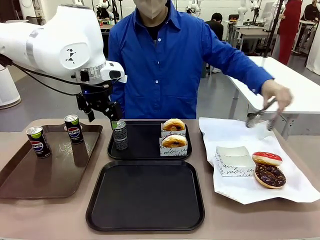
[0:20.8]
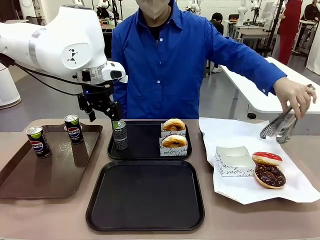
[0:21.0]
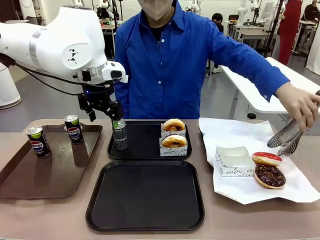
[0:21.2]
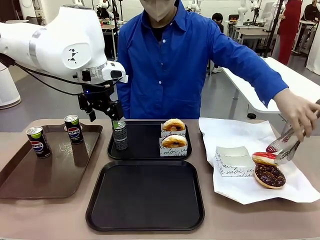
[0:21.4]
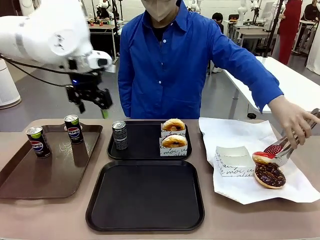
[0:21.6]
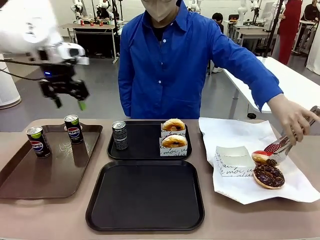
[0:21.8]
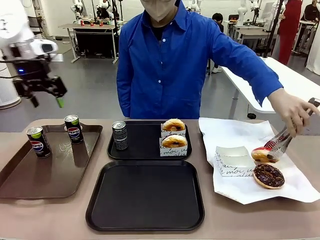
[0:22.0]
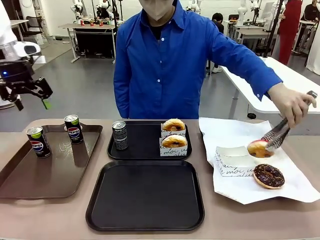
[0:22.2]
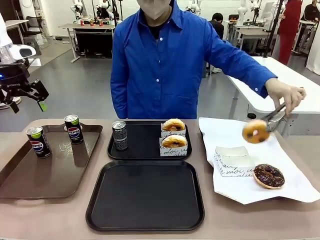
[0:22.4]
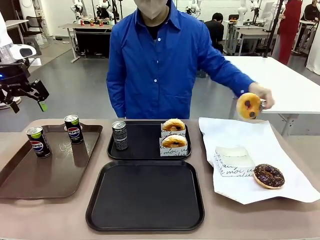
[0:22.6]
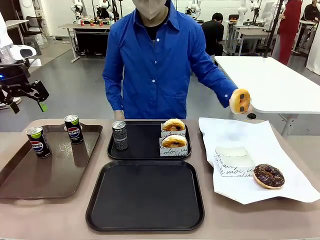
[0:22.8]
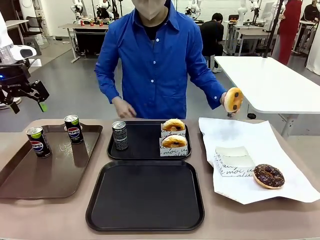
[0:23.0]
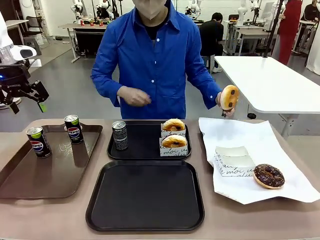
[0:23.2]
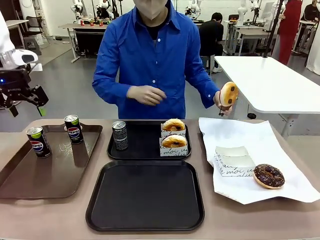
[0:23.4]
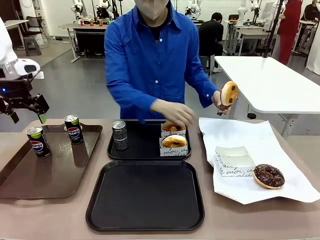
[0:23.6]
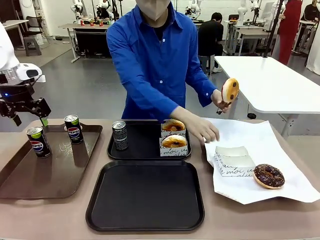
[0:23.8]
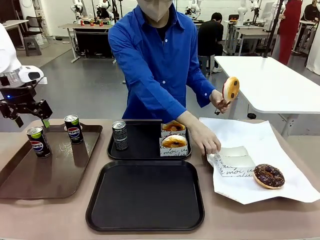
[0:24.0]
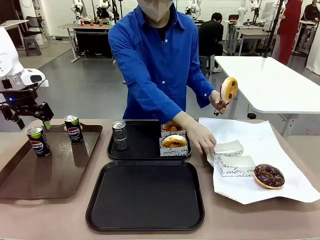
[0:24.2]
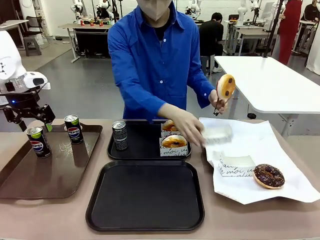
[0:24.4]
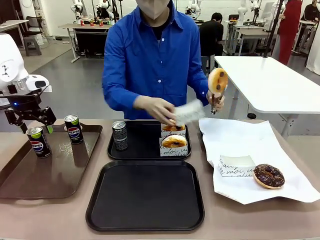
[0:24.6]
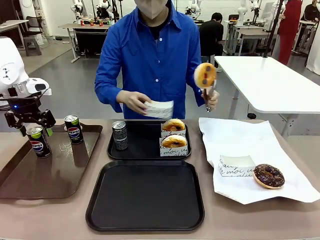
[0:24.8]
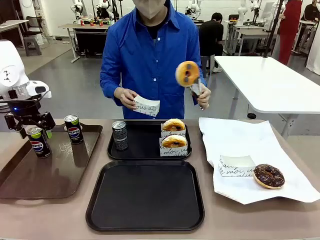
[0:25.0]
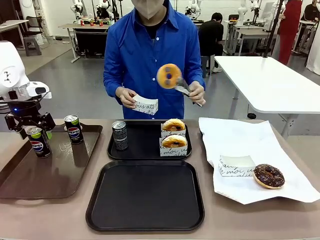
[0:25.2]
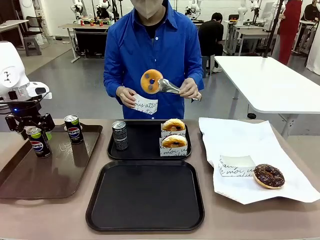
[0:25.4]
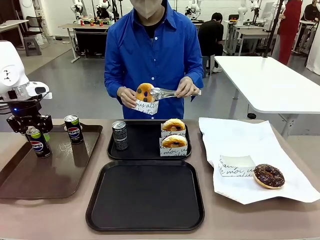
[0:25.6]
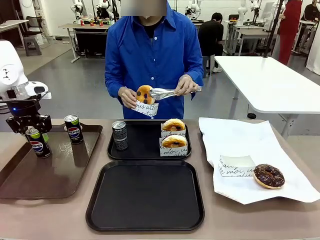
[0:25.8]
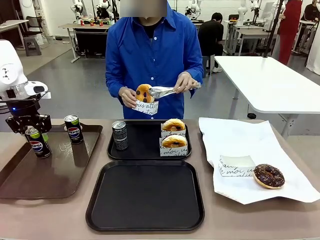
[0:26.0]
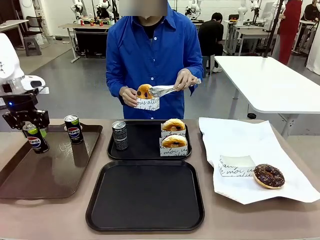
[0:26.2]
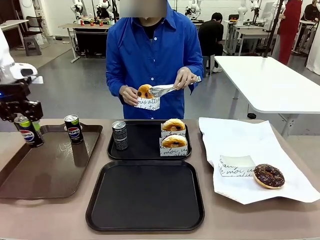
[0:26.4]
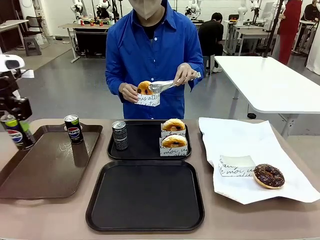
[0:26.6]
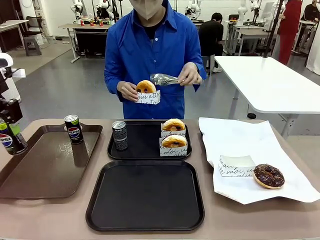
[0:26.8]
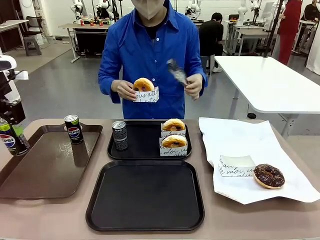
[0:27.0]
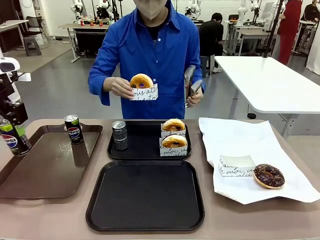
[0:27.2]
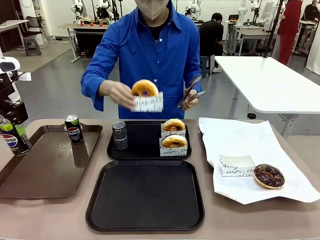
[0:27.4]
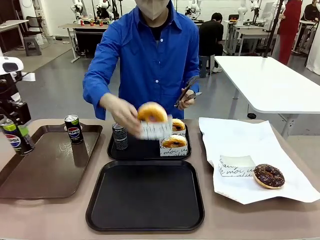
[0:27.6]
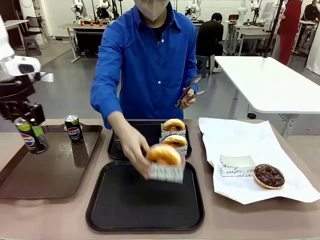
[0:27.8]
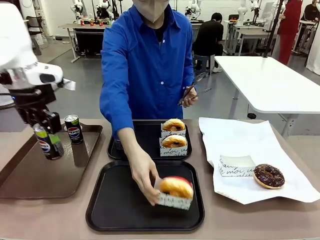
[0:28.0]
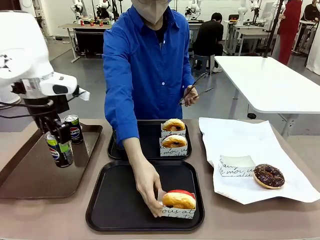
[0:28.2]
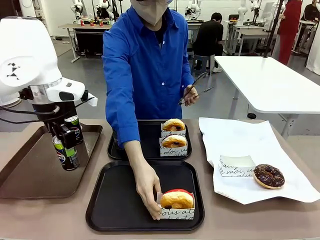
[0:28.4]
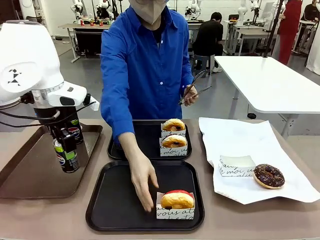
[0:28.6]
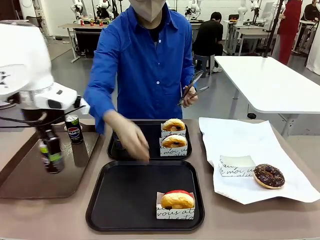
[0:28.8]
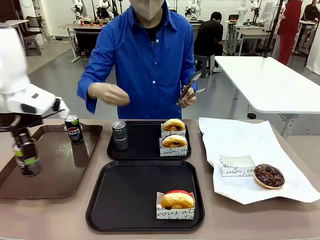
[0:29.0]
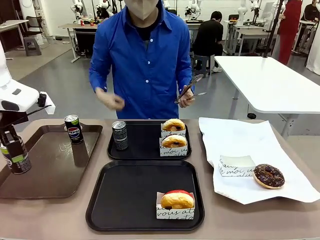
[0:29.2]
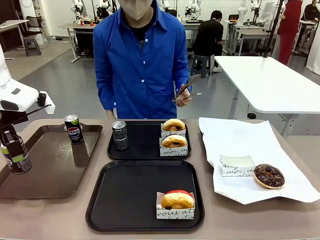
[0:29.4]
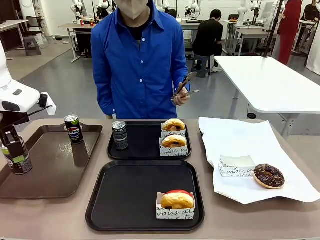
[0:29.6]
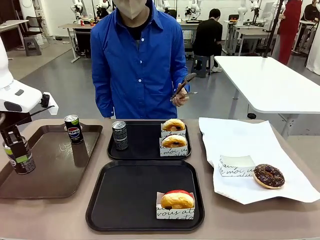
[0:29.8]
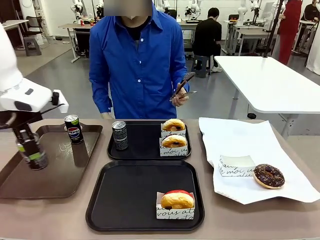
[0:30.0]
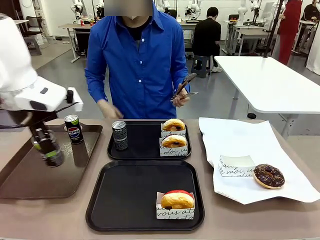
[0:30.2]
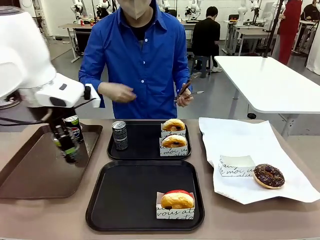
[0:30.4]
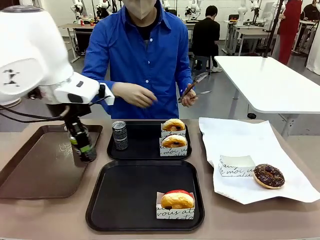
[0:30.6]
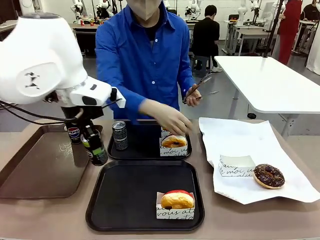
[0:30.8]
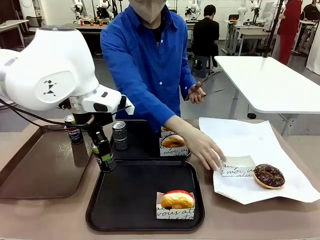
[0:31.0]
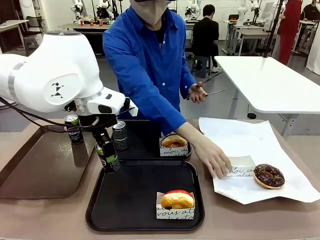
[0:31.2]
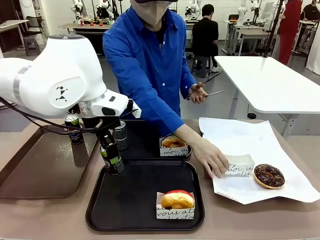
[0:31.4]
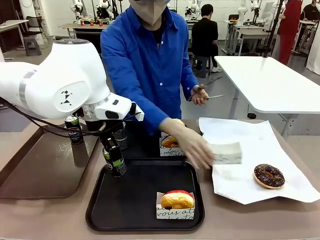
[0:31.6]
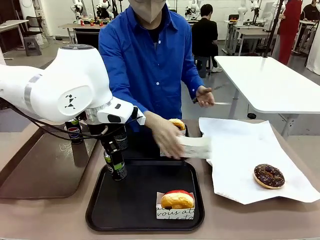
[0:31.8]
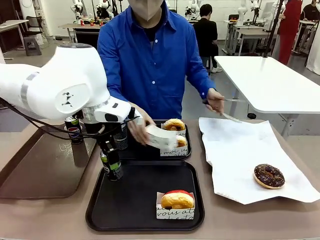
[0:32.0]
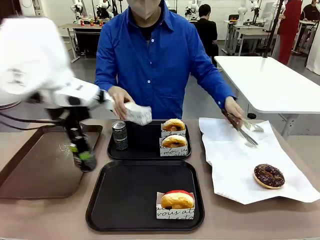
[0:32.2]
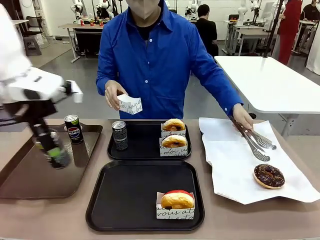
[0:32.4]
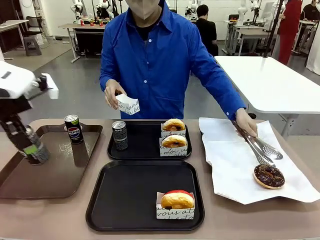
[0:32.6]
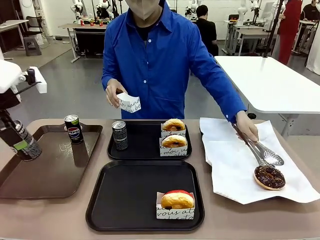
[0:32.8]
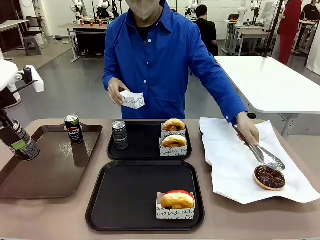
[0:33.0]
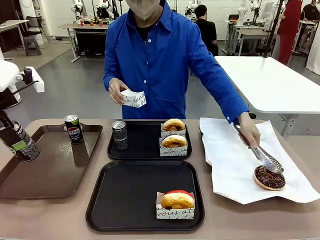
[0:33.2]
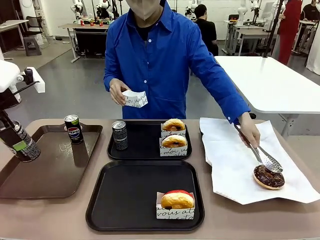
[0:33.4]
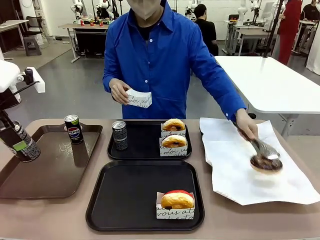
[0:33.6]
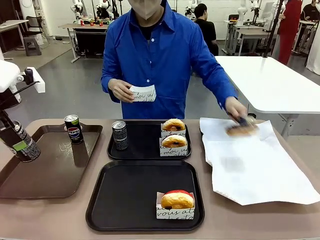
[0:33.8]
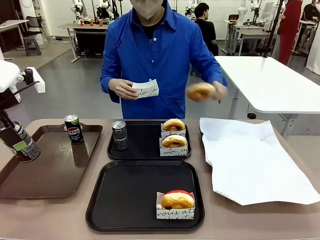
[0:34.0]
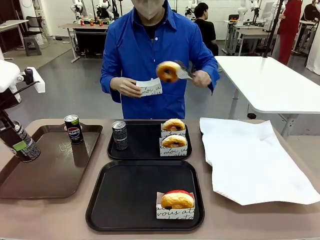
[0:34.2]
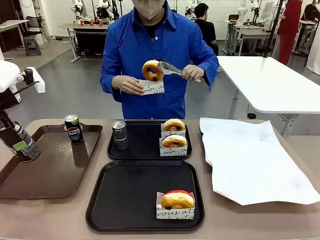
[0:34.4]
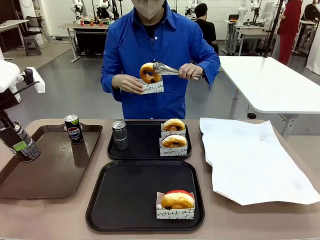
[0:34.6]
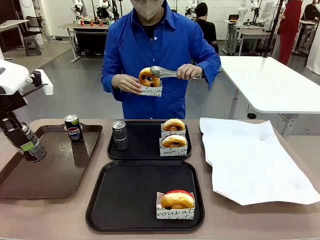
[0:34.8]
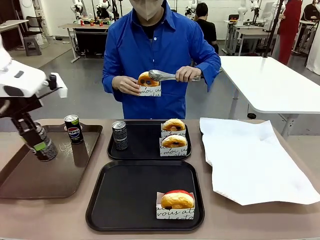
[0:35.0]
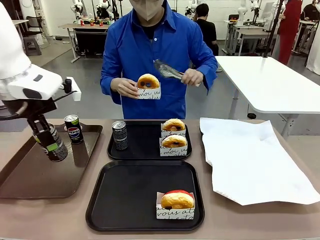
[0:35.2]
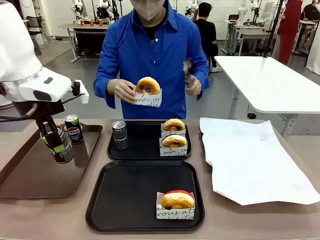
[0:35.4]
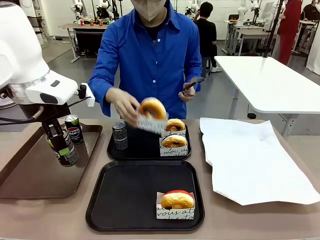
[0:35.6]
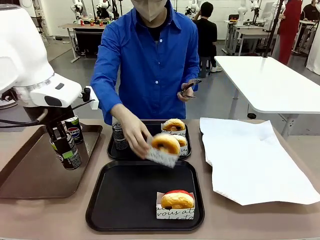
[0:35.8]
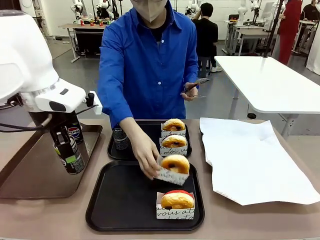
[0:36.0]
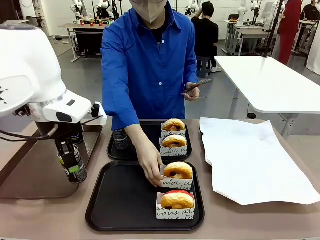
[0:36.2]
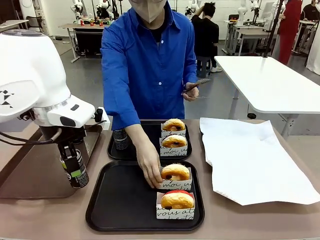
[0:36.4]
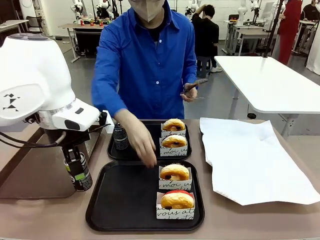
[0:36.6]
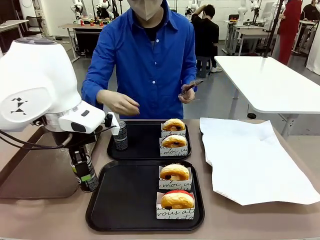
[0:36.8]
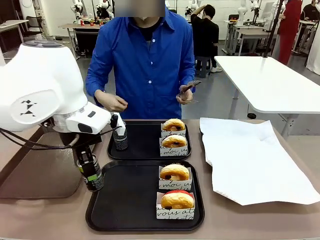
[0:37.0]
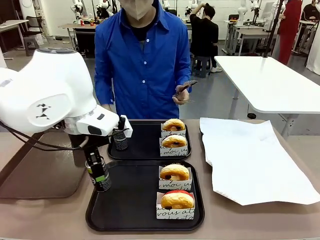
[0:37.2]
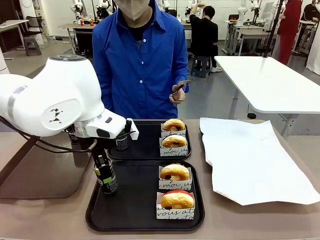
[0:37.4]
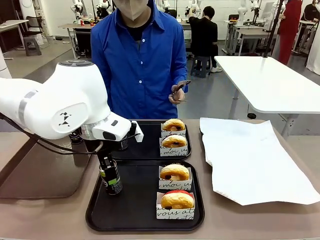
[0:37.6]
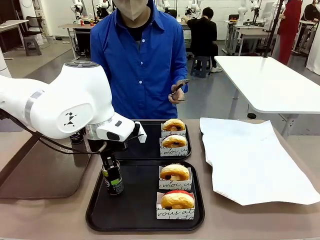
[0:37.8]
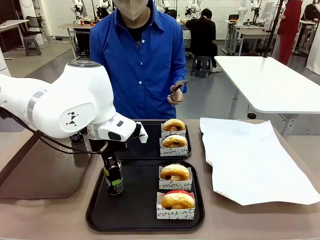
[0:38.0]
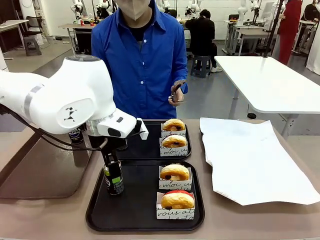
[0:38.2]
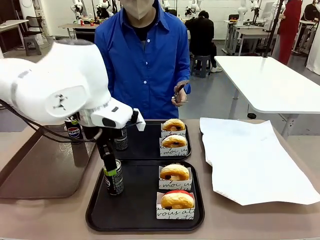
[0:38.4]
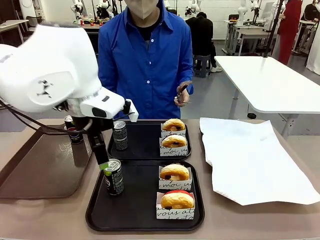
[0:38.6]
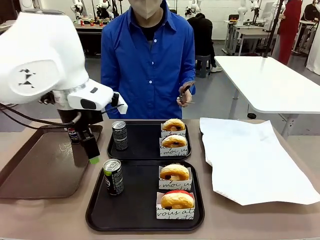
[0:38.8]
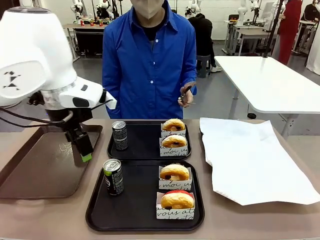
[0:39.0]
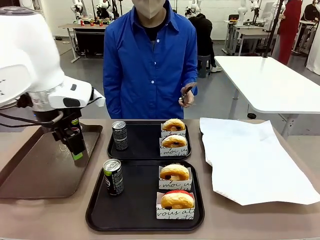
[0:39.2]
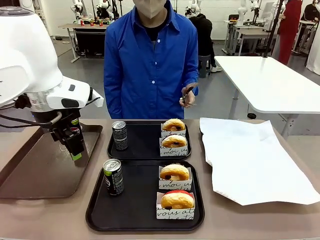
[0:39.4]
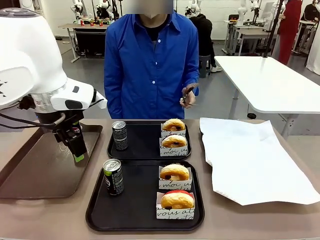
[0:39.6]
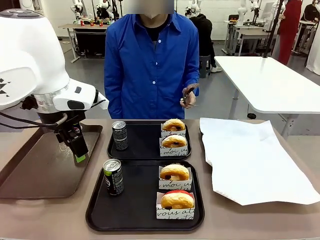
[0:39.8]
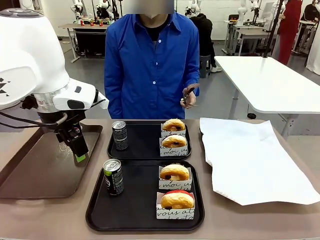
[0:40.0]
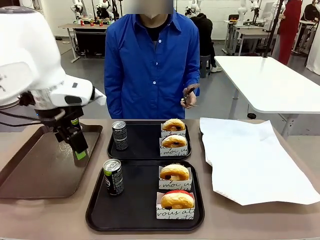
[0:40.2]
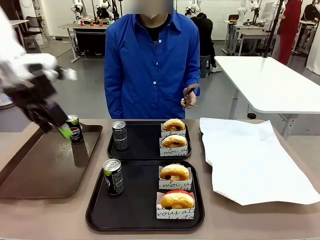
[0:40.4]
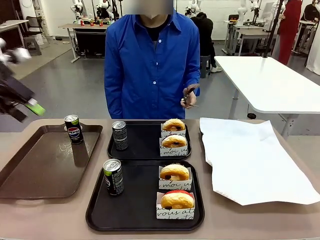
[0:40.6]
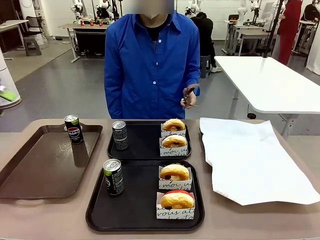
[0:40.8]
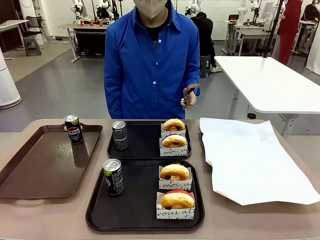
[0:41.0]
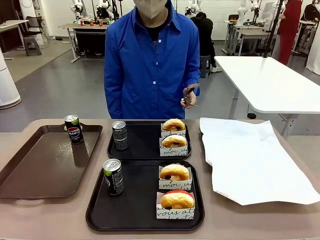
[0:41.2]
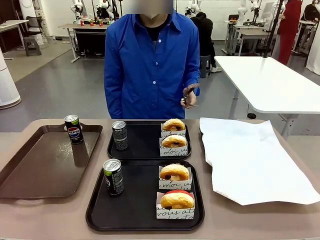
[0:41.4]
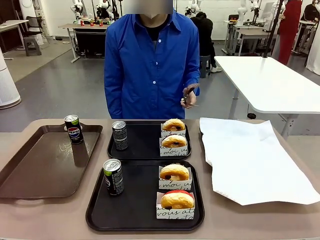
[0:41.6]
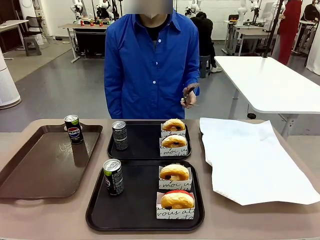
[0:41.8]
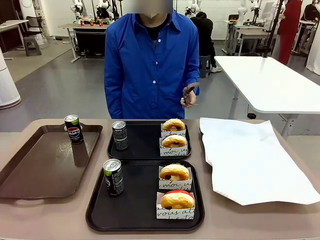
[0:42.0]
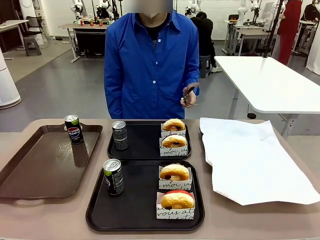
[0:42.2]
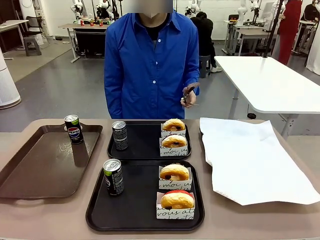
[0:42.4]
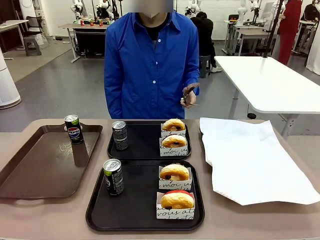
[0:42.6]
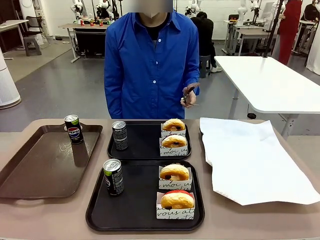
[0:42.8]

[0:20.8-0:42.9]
Task: Set up donuts and drinks on trays.
Robot: Pick up one Pepsi coke from the Handle tray and place it on the Flat Tray without a Pepsi coke.
Person: Pick up one donut with tongs, place it in the donut tray, and then place the donut tray on the flat tray.
